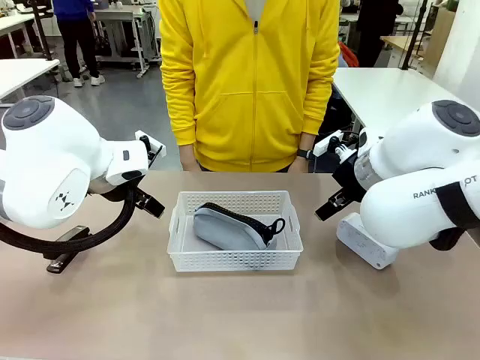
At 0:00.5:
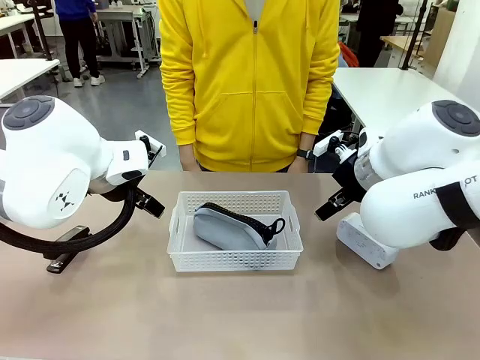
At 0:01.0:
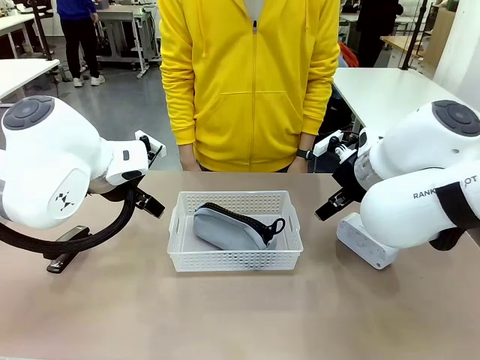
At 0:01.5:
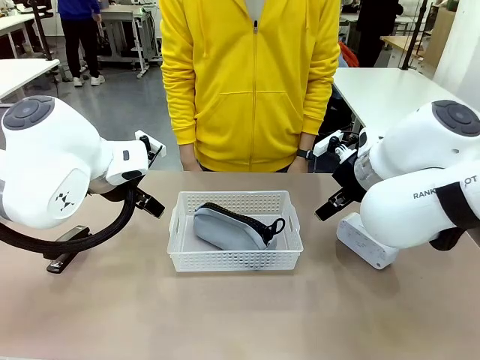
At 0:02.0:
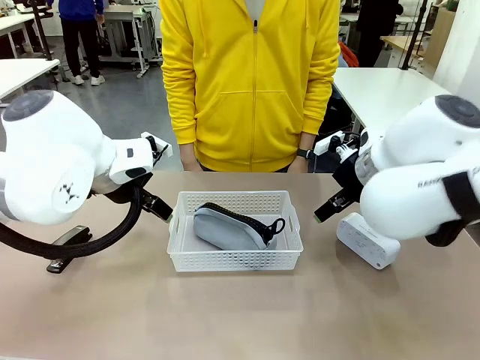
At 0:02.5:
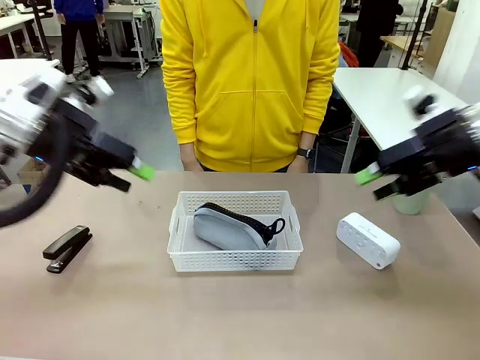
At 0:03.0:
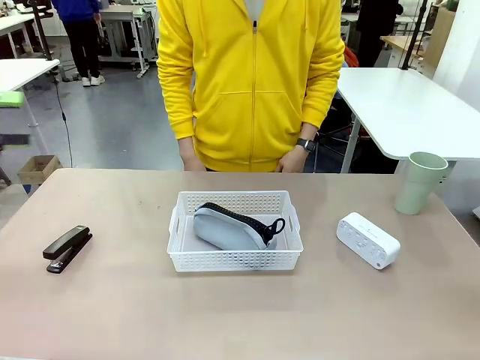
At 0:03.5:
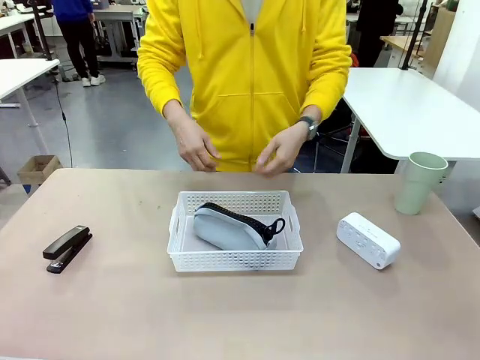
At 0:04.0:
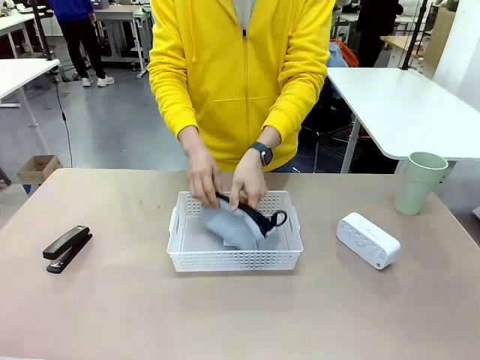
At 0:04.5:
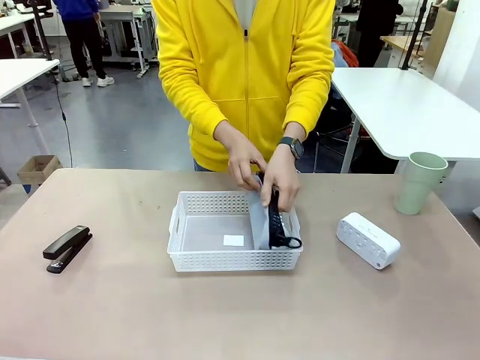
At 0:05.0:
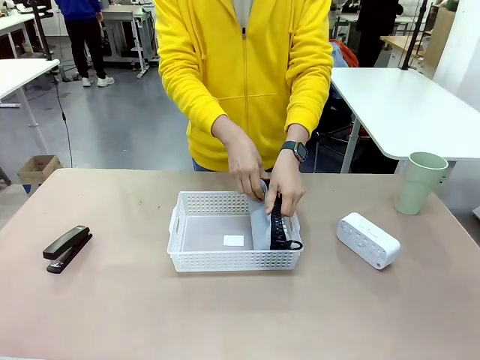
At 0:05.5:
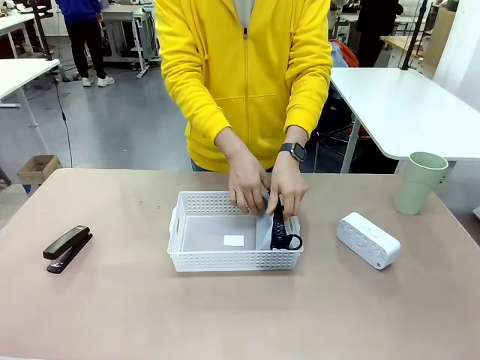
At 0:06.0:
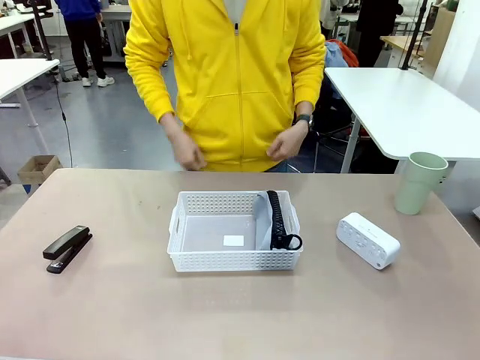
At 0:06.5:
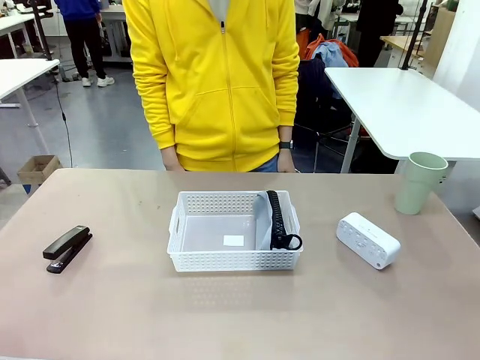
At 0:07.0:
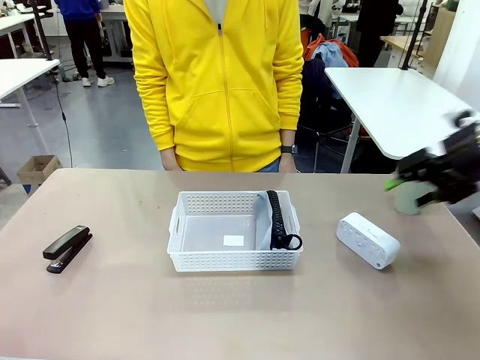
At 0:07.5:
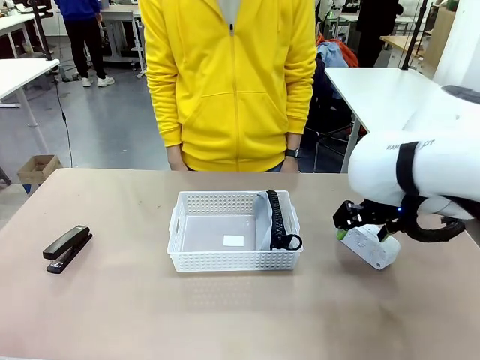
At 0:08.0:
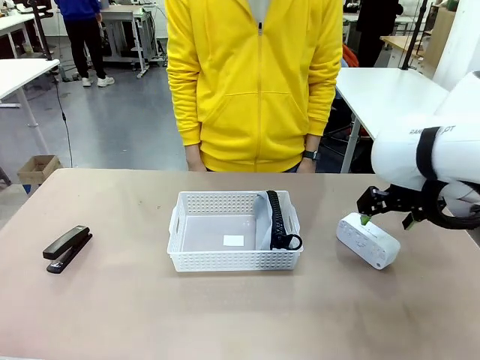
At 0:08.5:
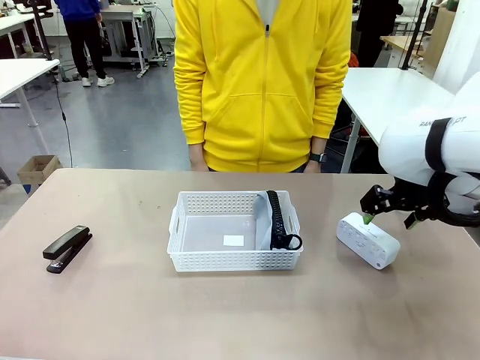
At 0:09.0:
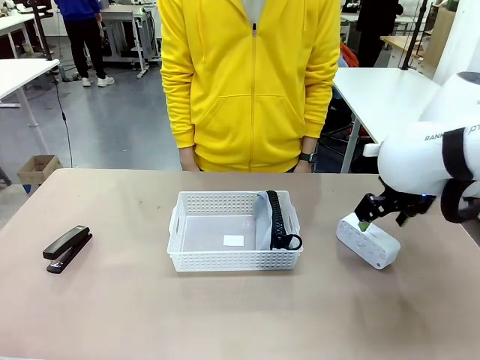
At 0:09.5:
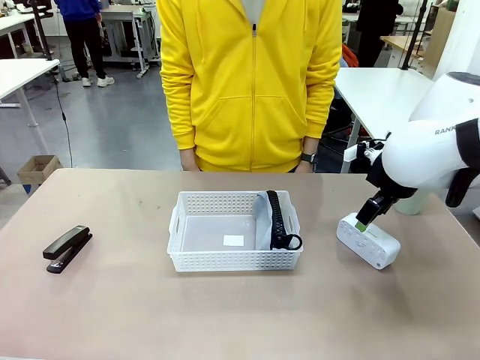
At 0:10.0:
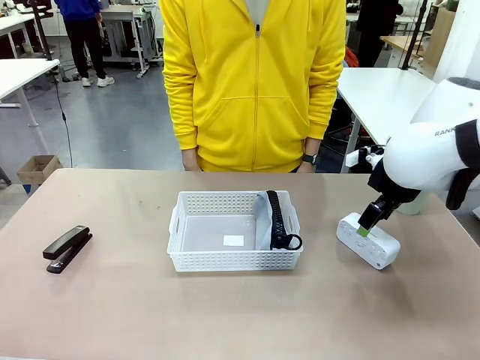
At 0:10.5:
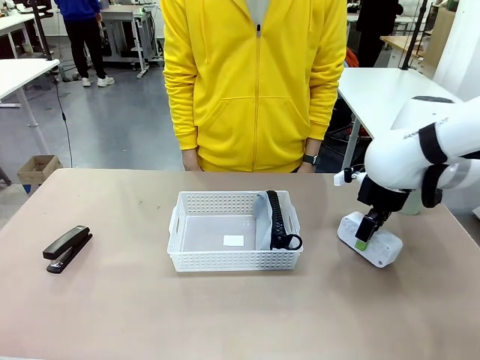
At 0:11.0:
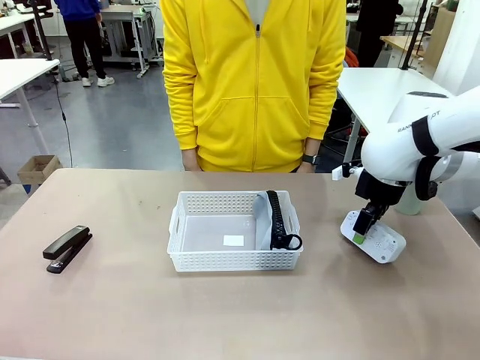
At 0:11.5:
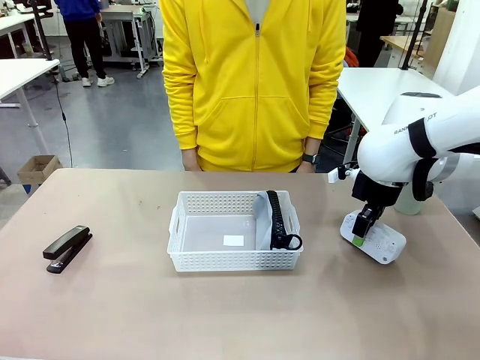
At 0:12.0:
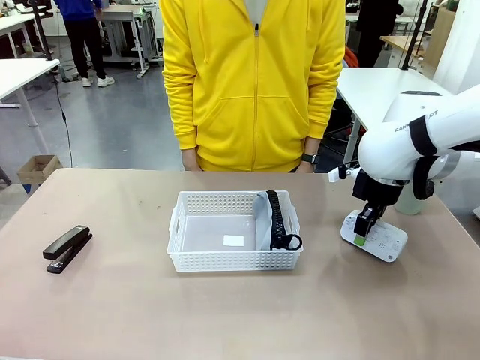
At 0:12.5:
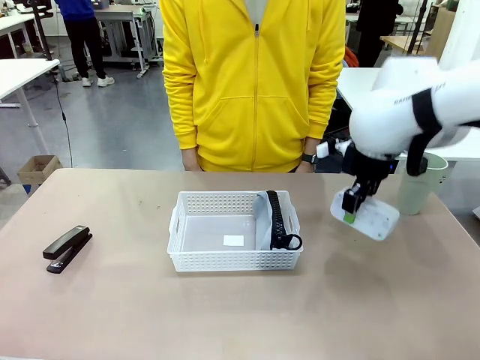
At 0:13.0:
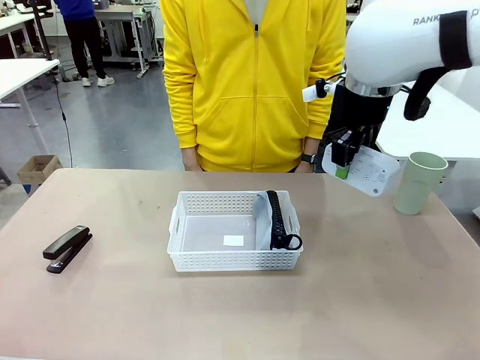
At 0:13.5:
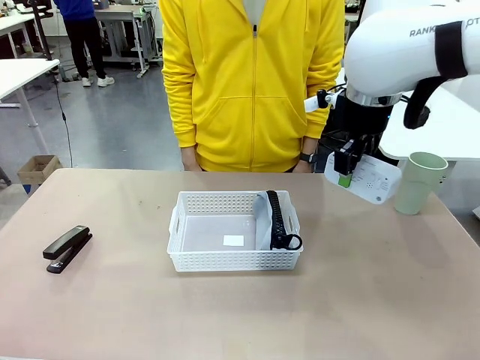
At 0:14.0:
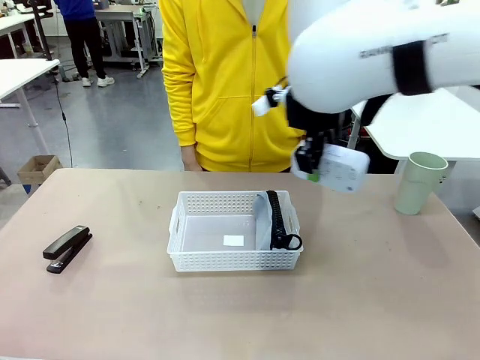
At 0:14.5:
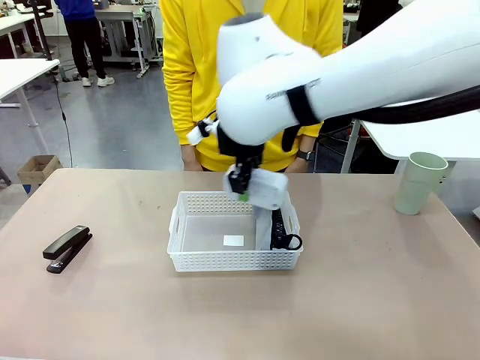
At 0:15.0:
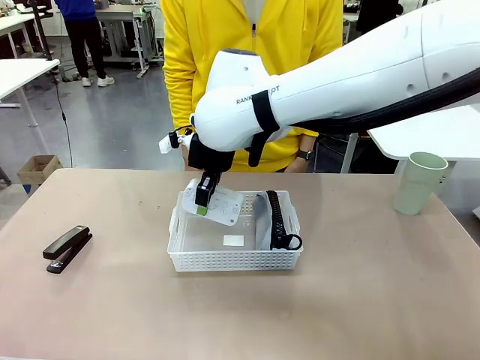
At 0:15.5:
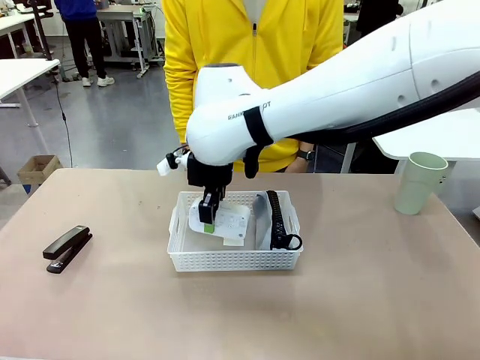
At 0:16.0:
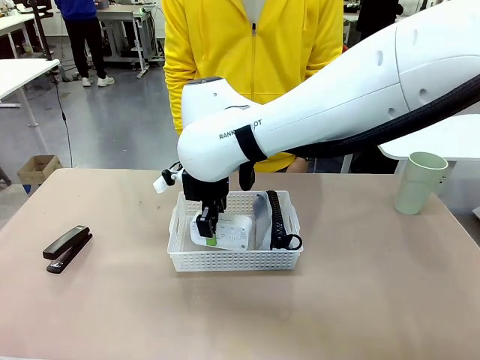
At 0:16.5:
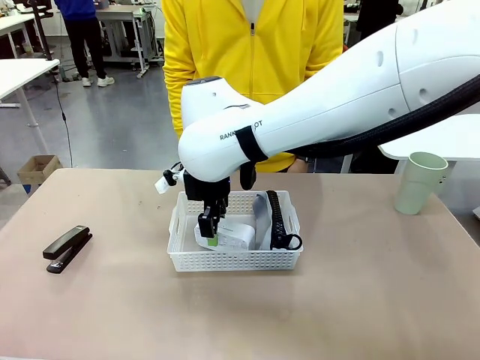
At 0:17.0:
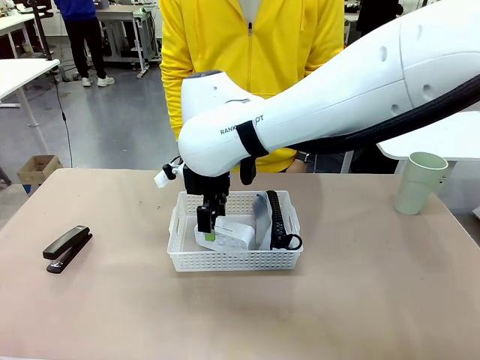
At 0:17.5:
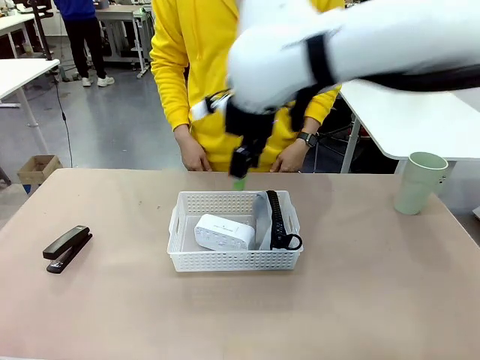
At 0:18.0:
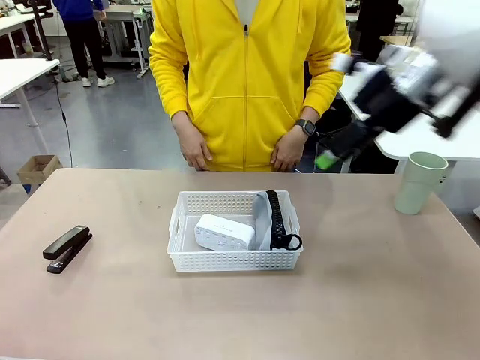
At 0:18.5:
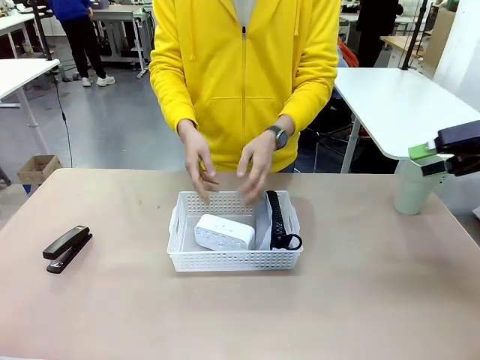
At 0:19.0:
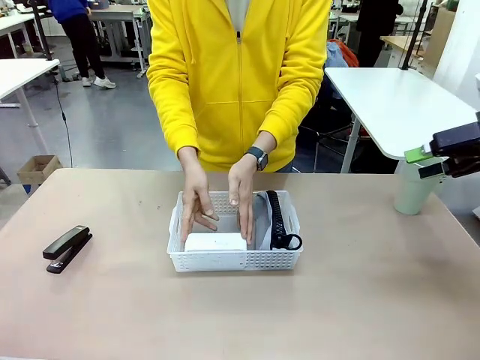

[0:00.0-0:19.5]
Task: Efficiently arrange items inside the basket to fit them all.
Robot: Pick up the Digital clock and place it inside the Organizing basket.
Person: Repositions the pencil case. Repositions the digital clock.
